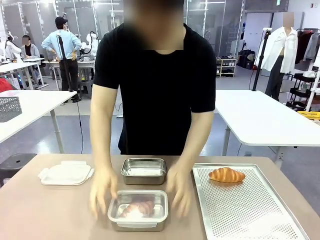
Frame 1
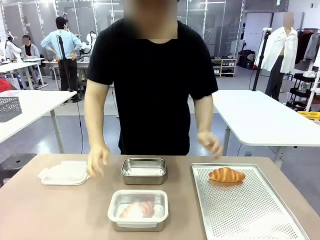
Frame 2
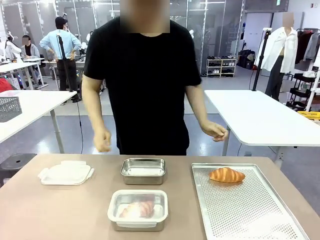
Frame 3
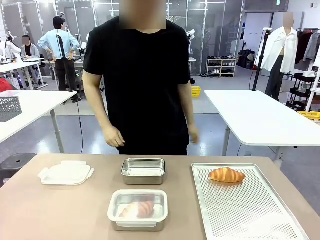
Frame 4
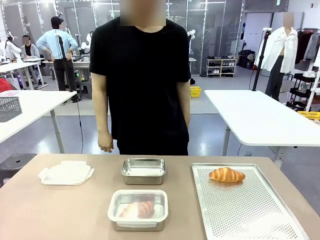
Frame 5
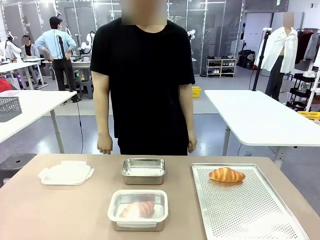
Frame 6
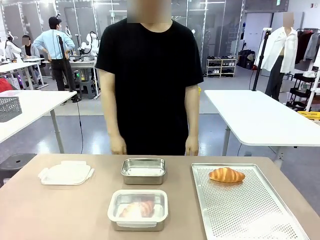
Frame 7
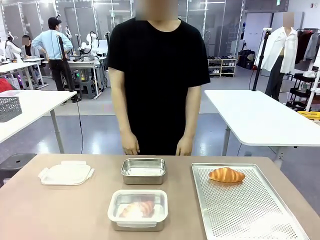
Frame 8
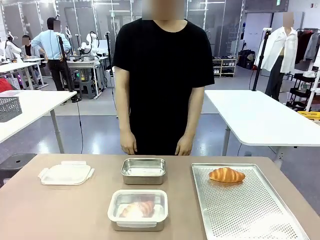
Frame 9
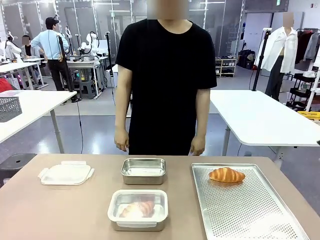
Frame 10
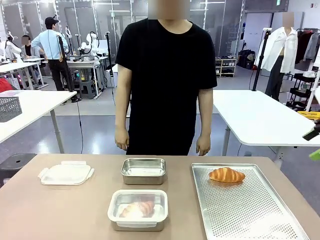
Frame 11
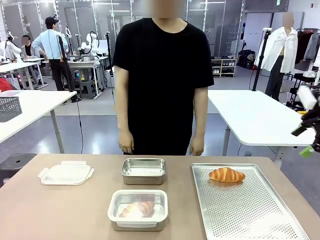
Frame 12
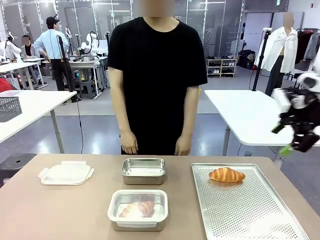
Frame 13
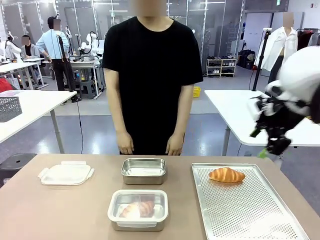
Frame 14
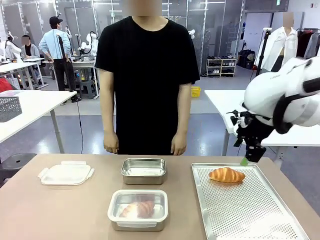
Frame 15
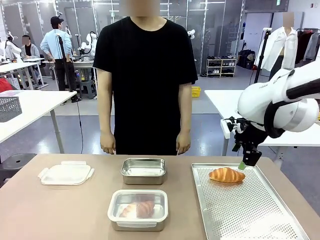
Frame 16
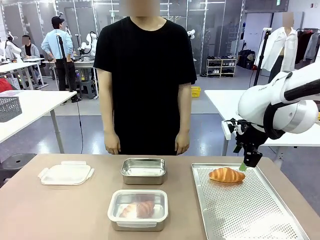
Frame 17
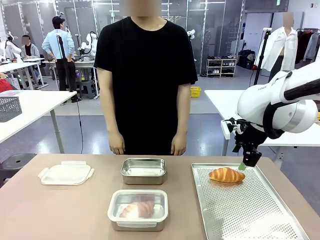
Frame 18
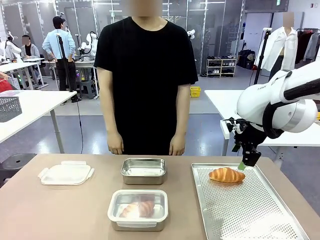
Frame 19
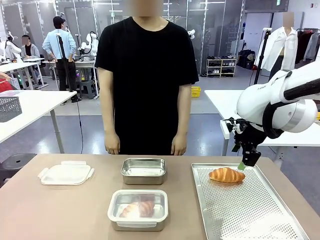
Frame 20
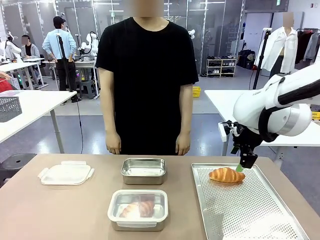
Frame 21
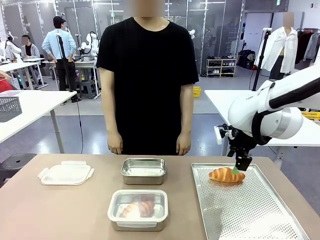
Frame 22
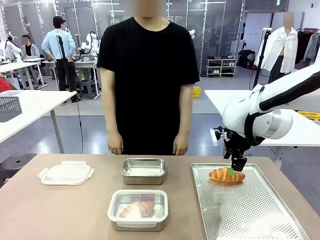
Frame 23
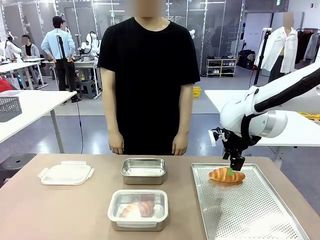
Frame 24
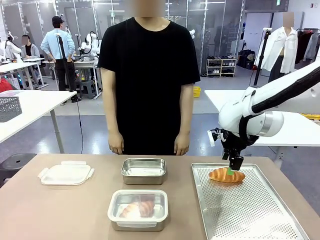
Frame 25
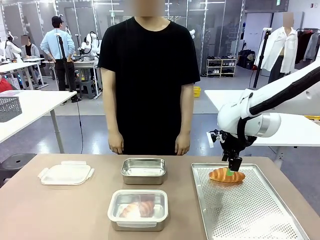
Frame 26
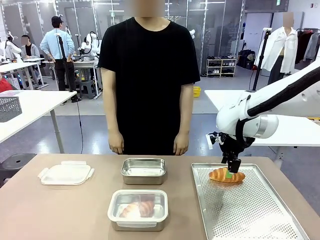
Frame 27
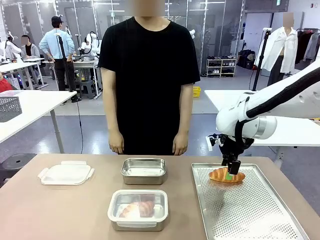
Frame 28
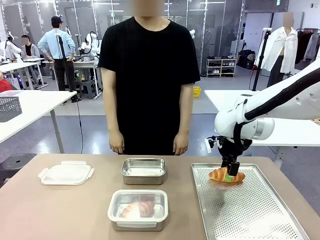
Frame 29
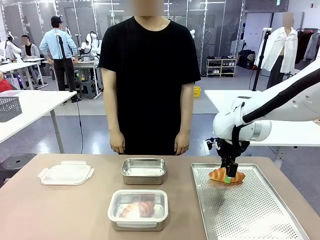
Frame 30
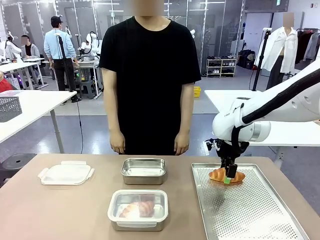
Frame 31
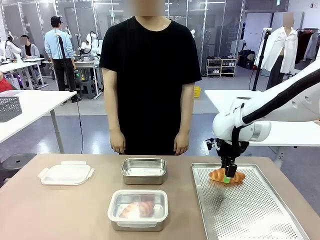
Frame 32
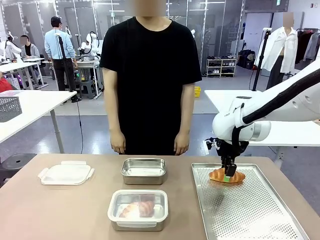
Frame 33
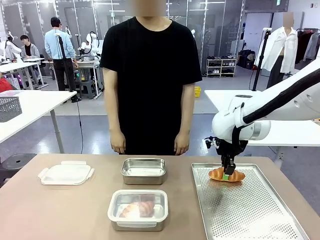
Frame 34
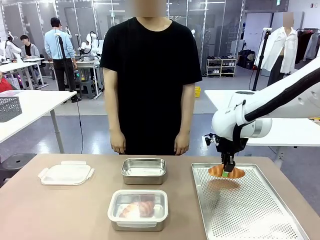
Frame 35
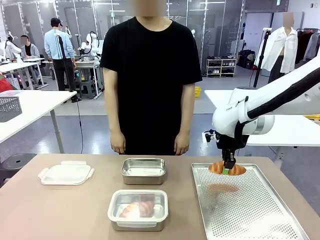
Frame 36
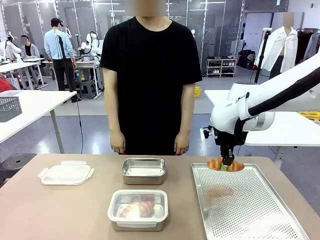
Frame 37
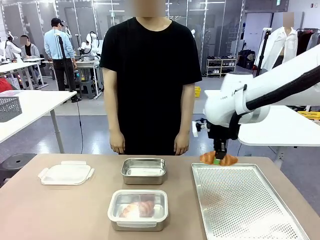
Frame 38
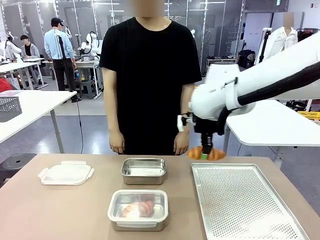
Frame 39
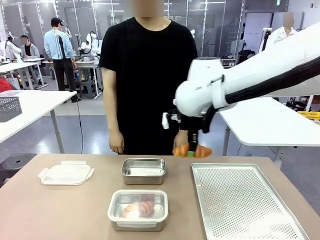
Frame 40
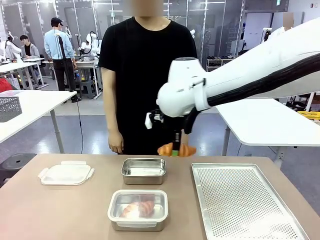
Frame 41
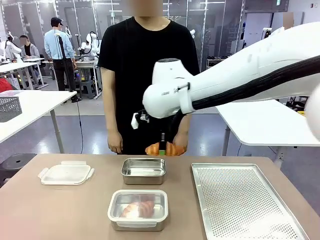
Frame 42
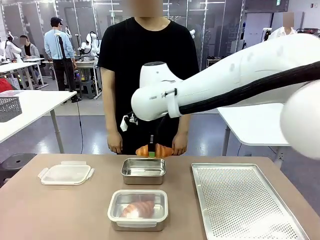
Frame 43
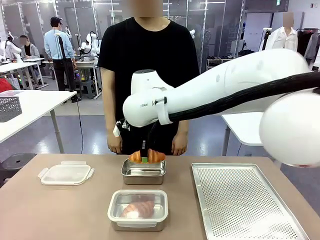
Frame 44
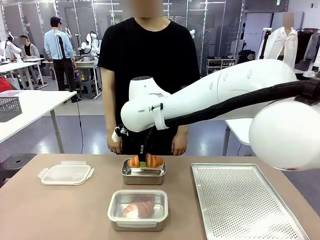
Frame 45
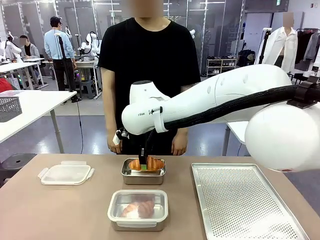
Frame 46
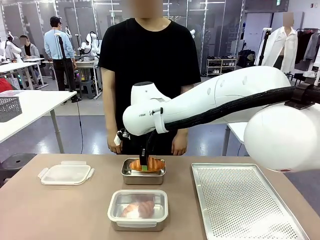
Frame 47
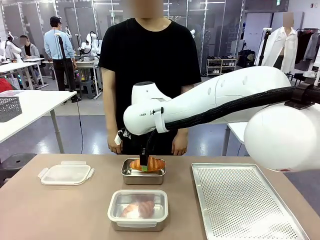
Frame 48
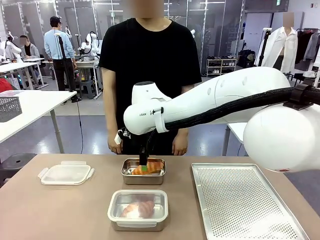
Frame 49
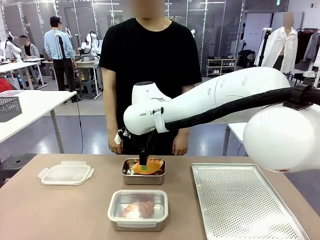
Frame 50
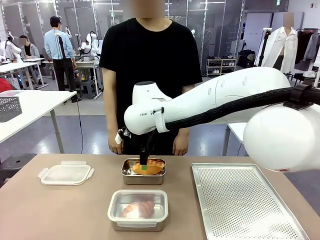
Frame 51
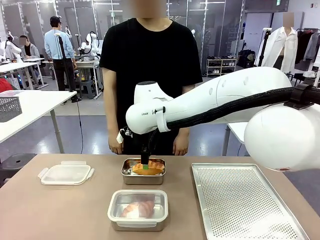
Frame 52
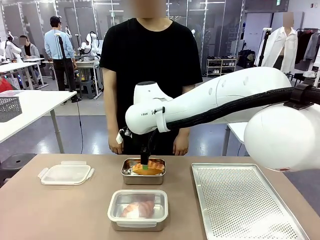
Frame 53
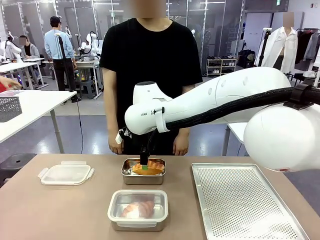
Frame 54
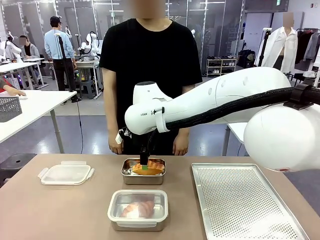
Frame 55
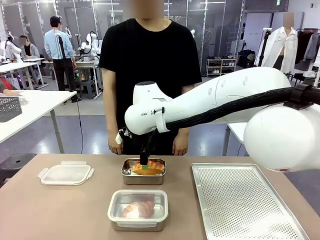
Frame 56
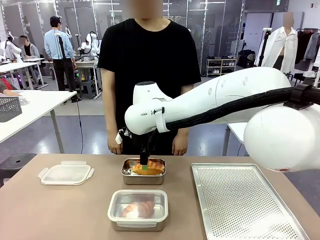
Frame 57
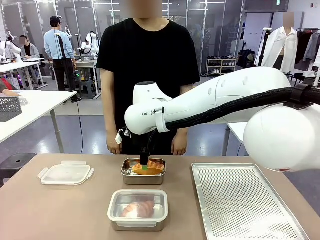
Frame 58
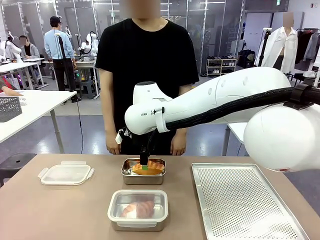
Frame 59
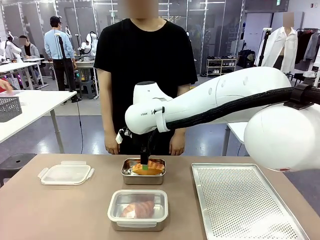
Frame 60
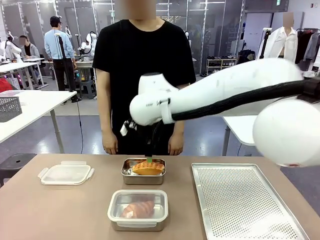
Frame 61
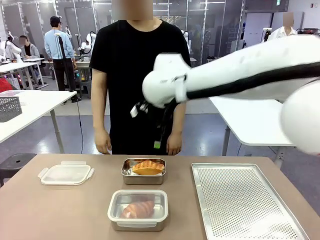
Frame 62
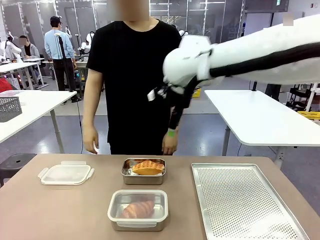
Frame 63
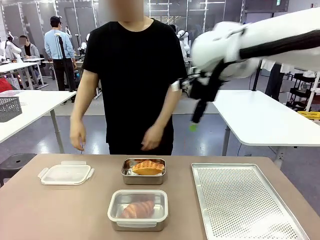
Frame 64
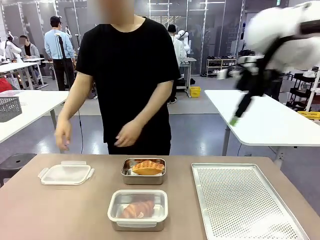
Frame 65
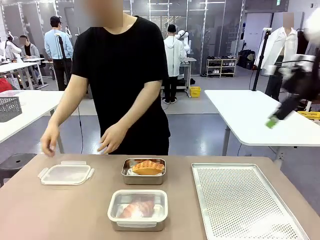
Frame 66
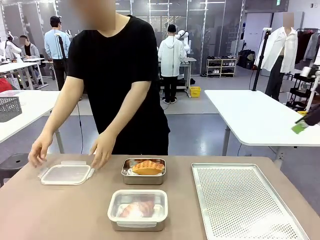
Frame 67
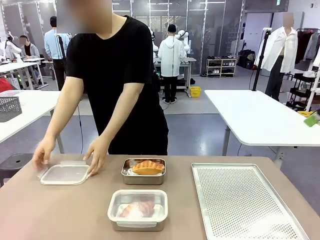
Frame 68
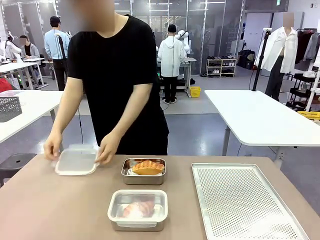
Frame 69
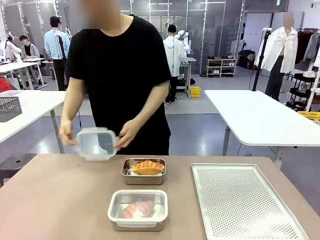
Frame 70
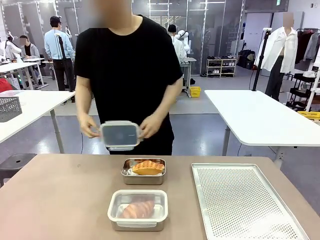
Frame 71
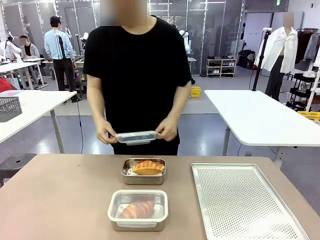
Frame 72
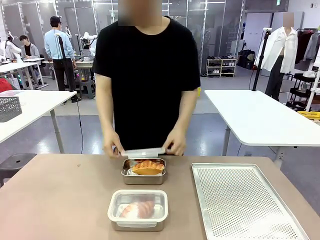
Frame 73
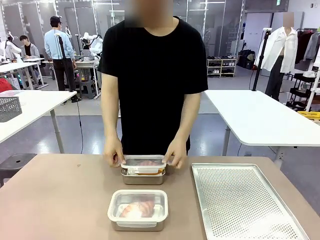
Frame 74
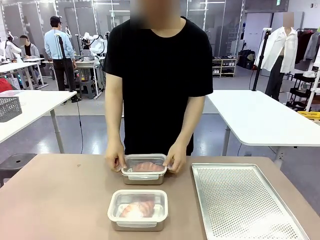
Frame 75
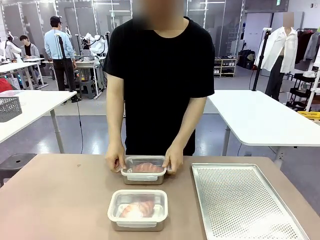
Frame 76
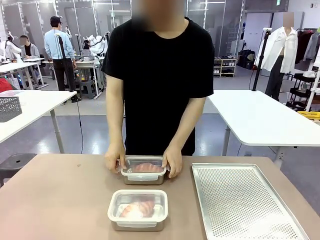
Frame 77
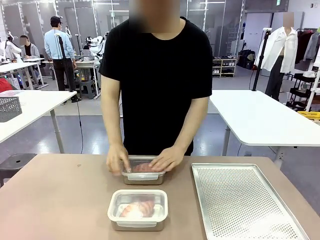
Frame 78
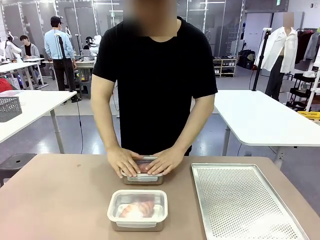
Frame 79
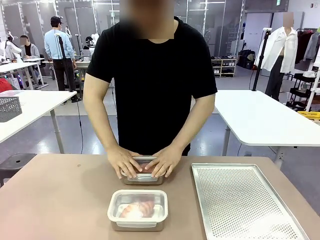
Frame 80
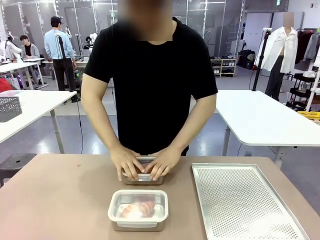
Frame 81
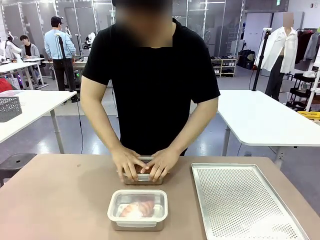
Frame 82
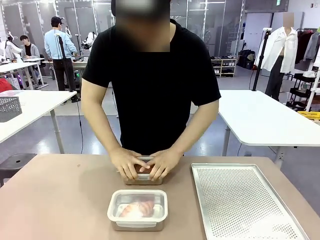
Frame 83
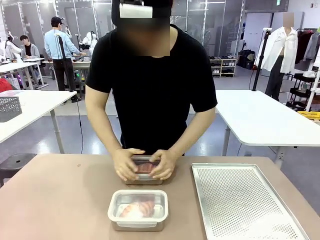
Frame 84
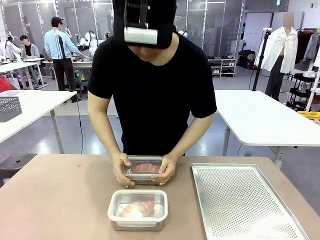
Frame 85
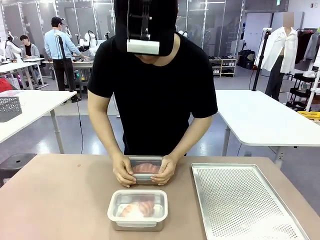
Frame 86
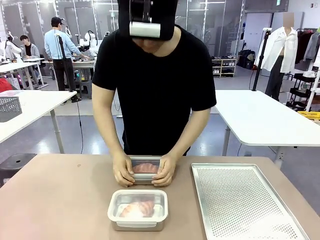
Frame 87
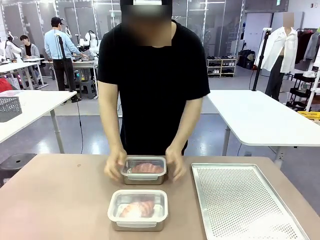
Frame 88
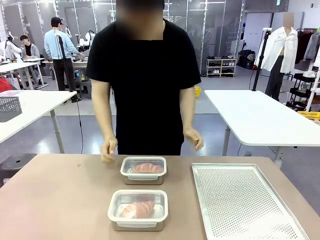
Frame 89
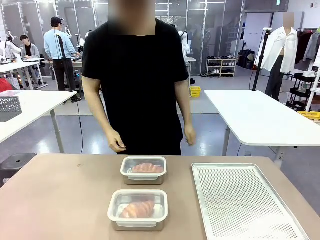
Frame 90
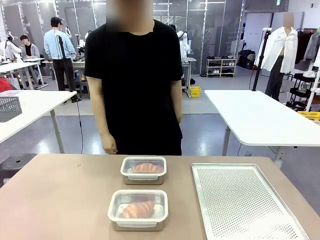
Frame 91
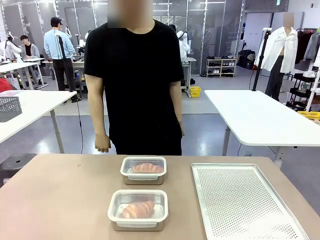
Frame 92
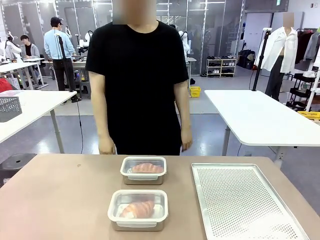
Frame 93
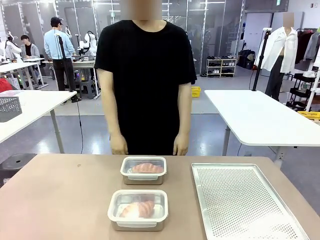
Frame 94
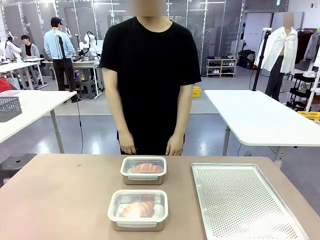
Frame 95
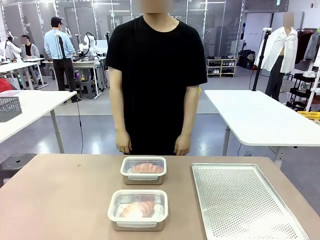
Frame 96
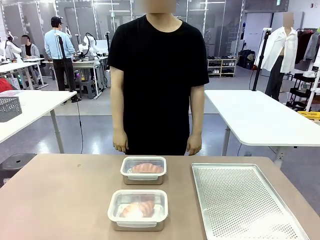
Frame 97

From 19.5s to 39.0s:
Task: Place the bread into the airtight container.
Robot: Pick up a Butter Roll and place it into an empty Airtight Container.
